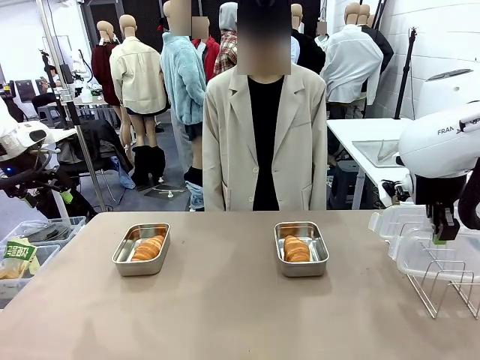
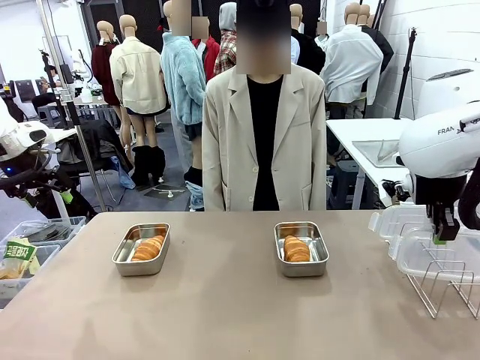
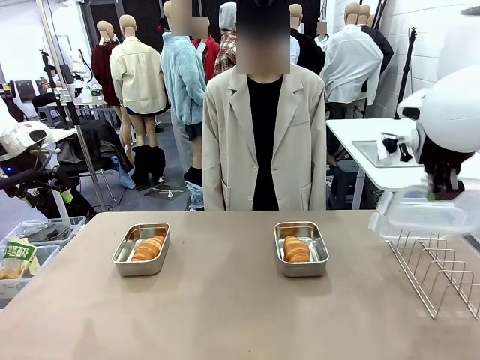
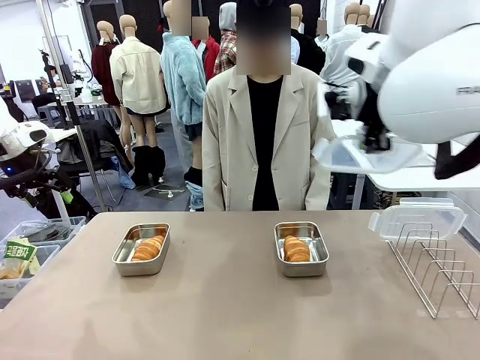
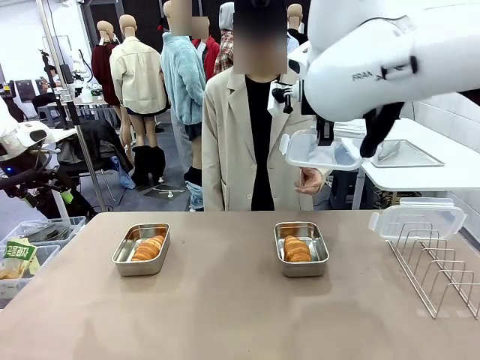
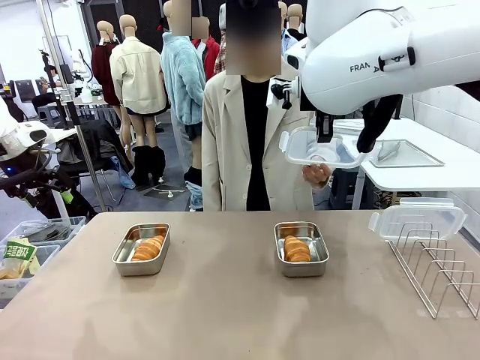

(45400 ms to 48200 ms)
Task: Place the bread in airtight containers.
Robot: Release when the human grabs the Airtight Container lid.

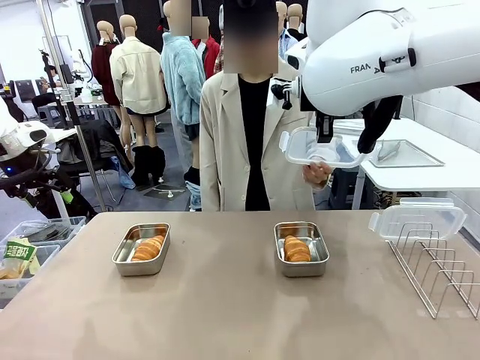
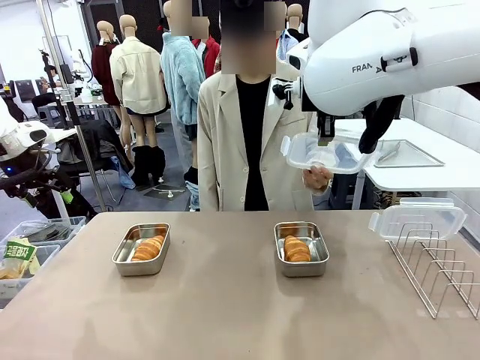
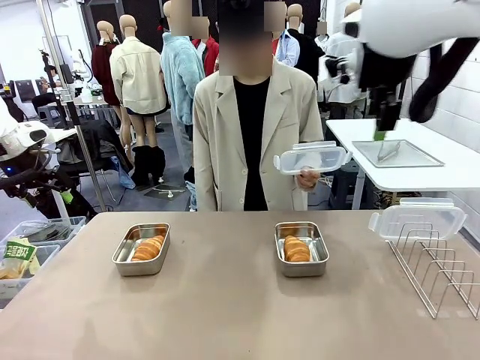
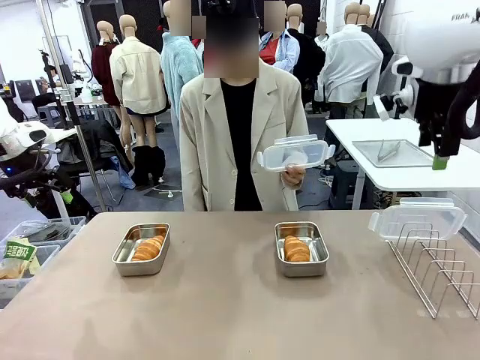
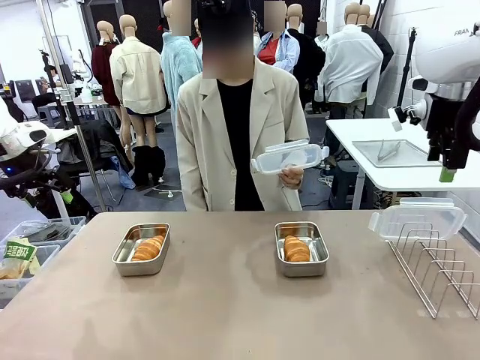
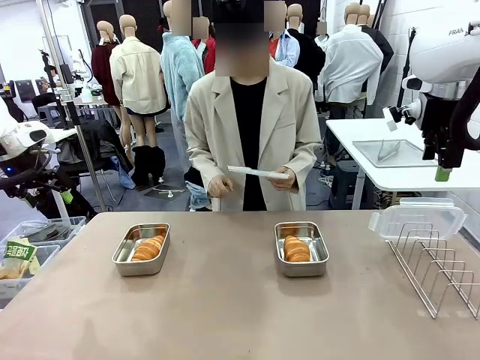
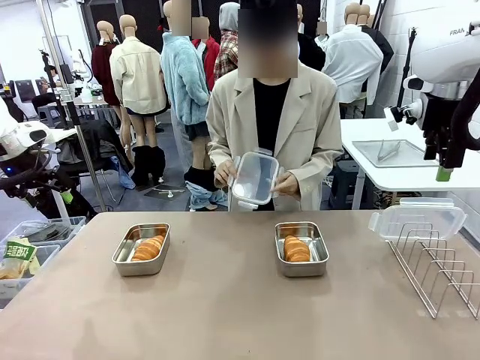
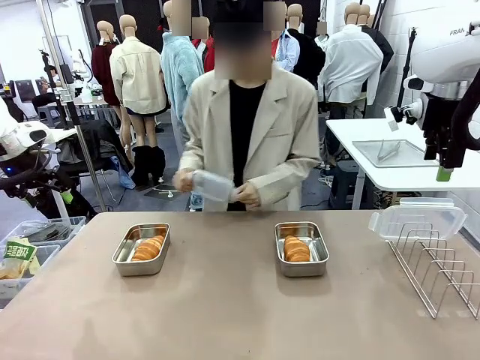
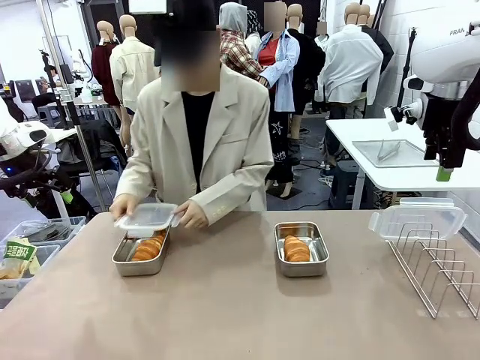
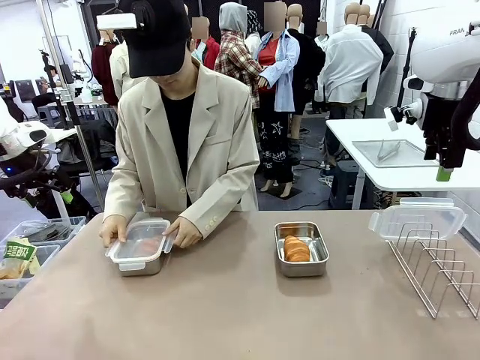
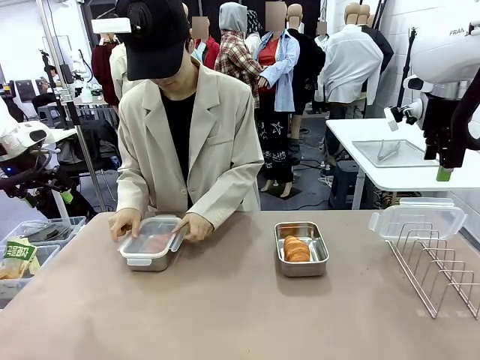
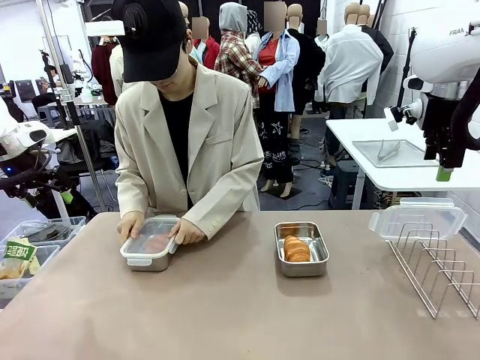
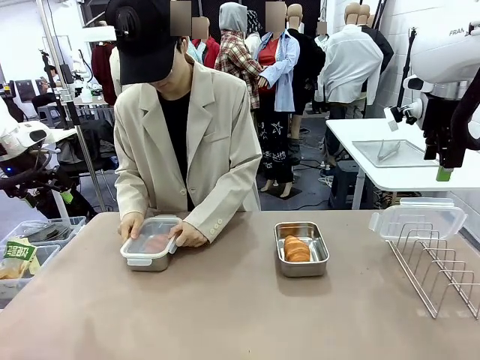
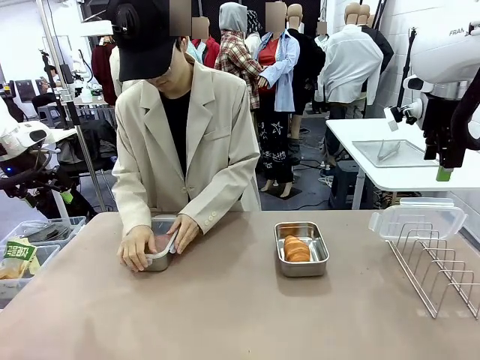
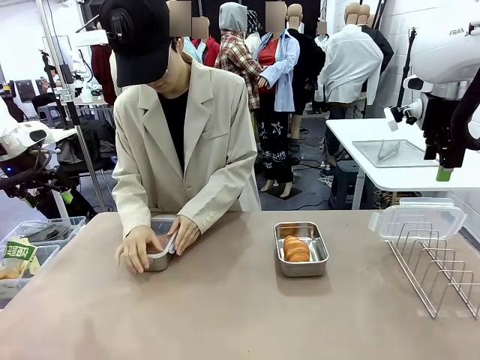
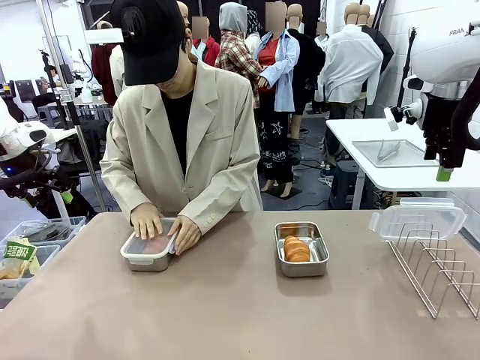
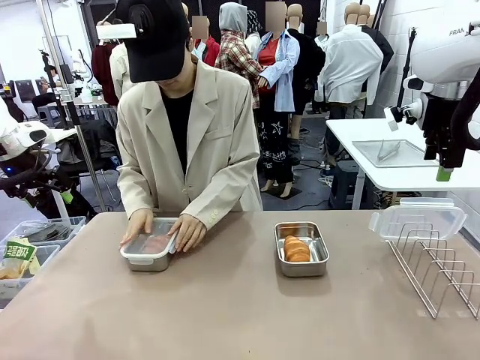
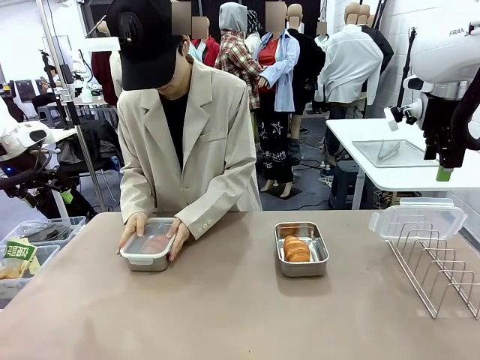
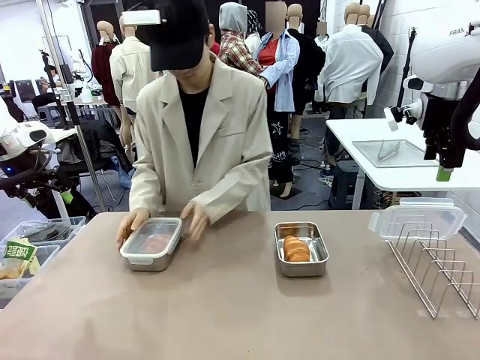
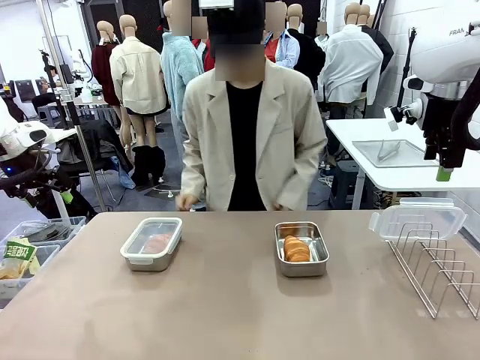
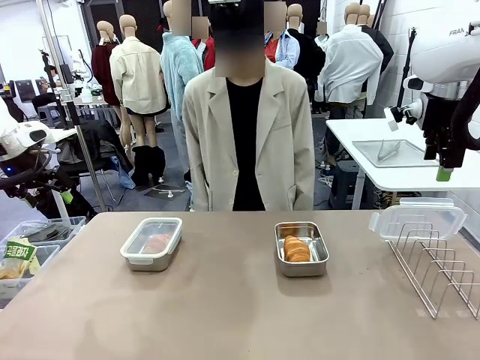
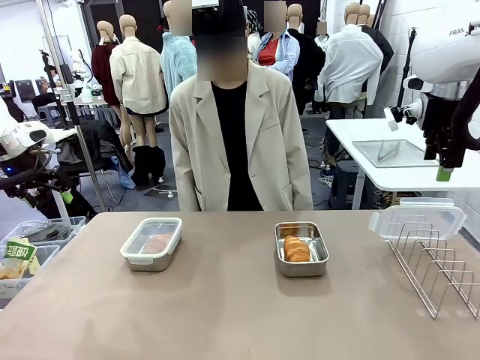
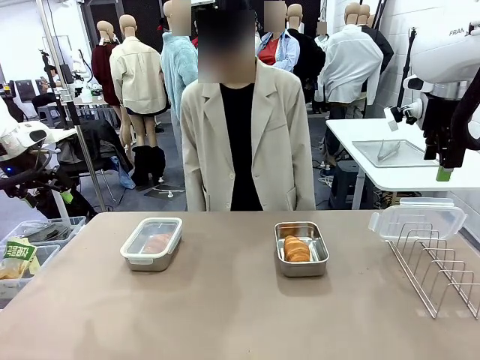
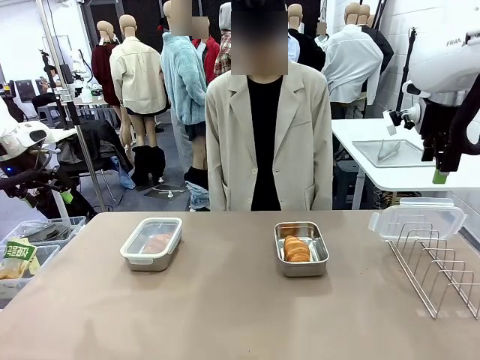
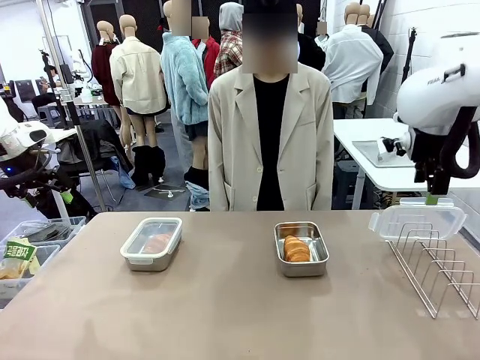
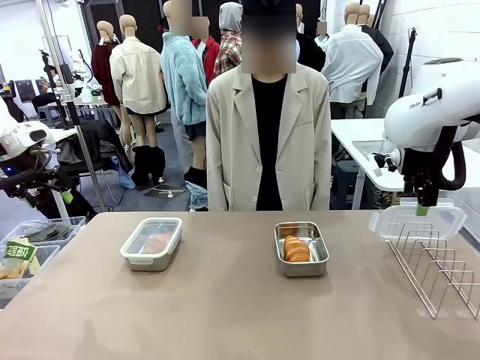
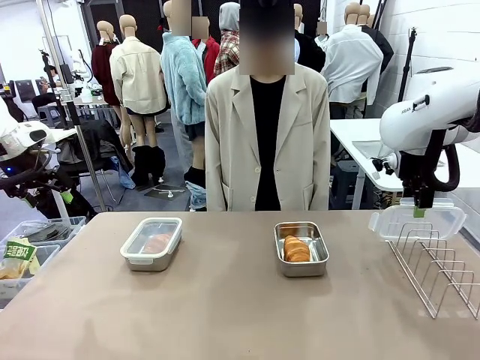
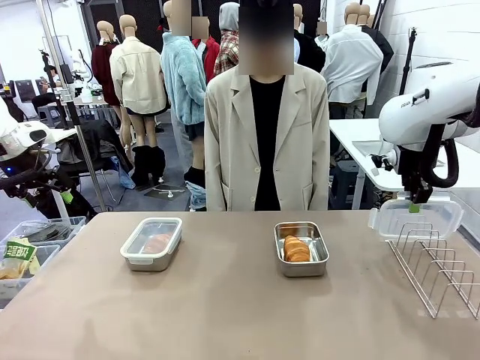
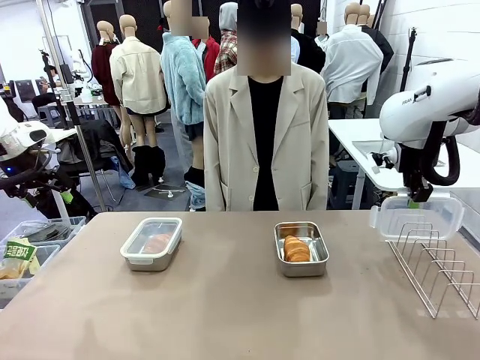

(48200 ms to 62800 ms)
Robot: Pick up one Airtight Container lid and hand it to the human.
Person: Close Airtight Container with a handed Airtight Container lid.

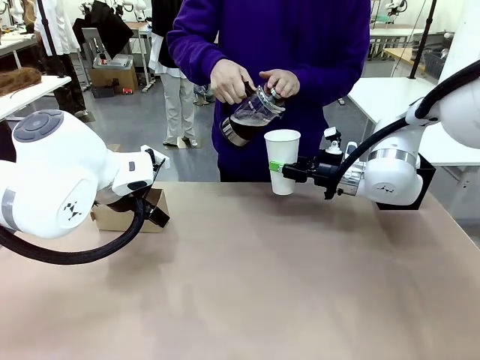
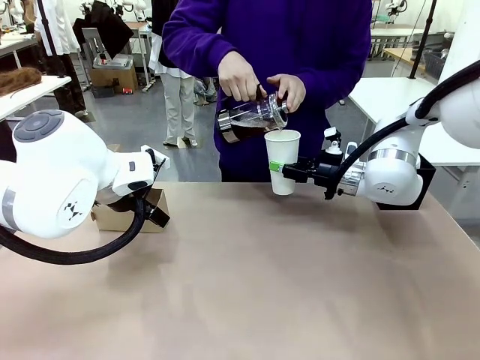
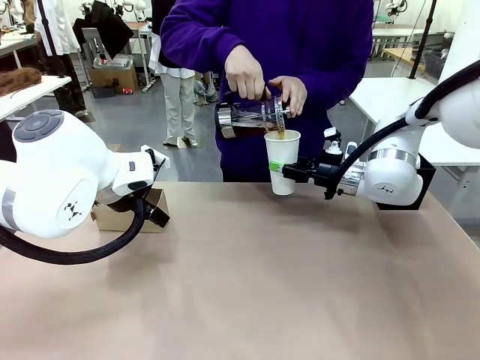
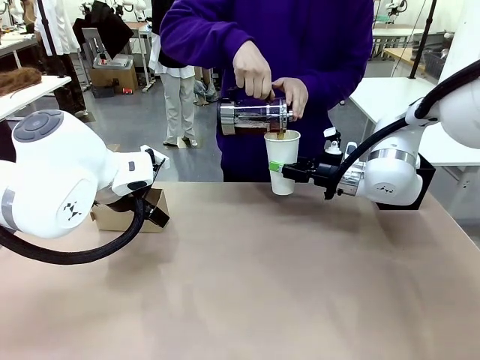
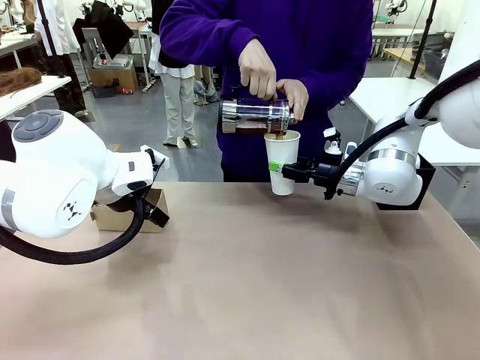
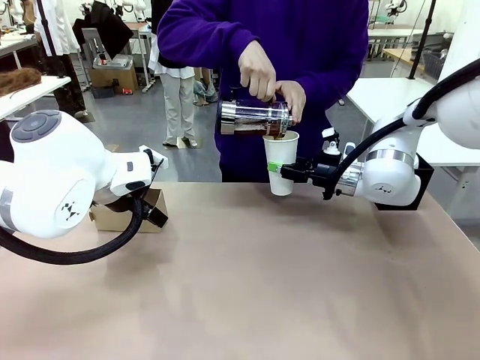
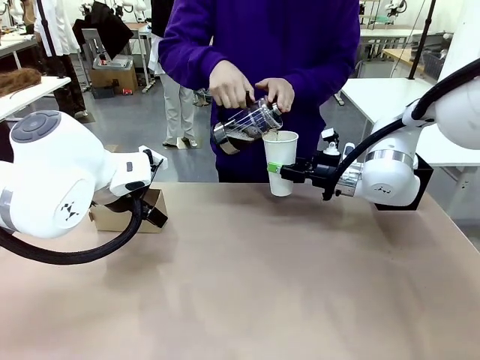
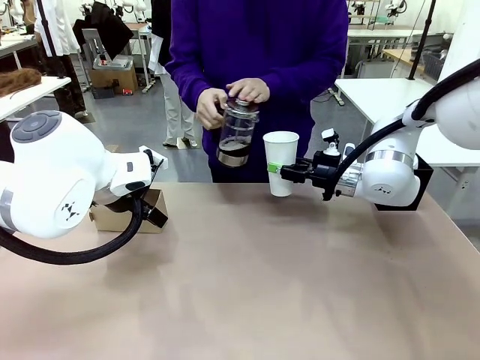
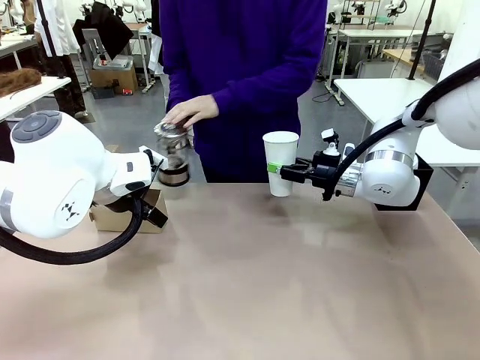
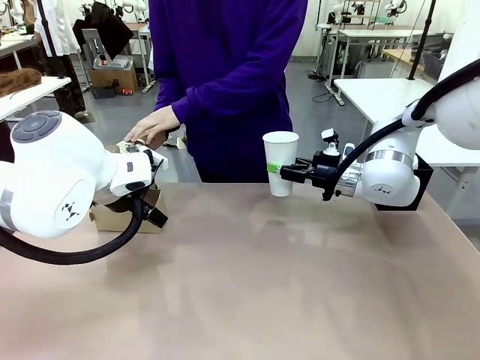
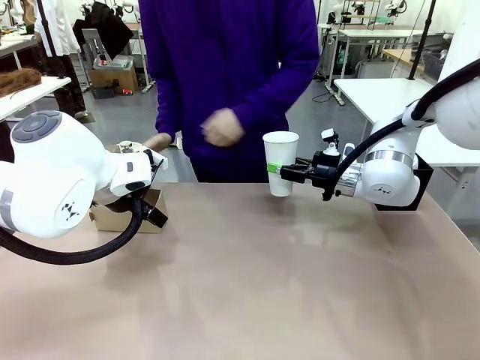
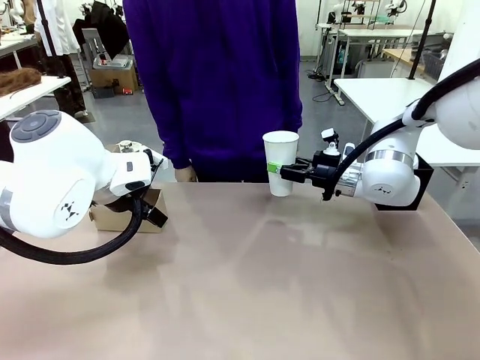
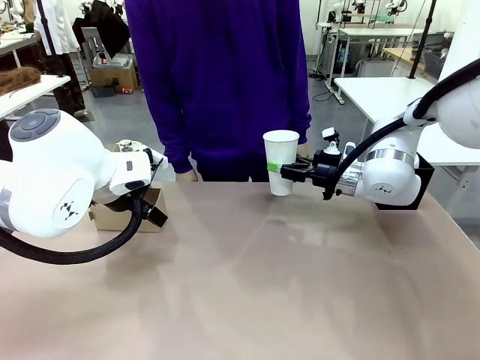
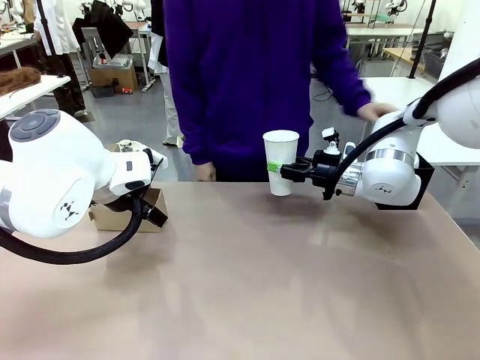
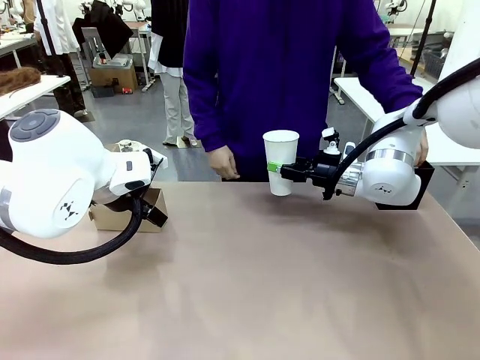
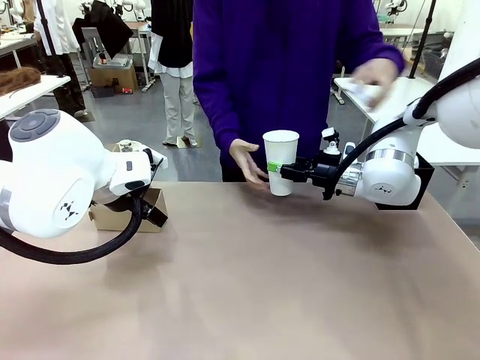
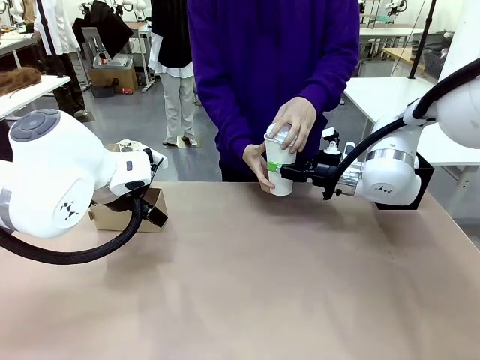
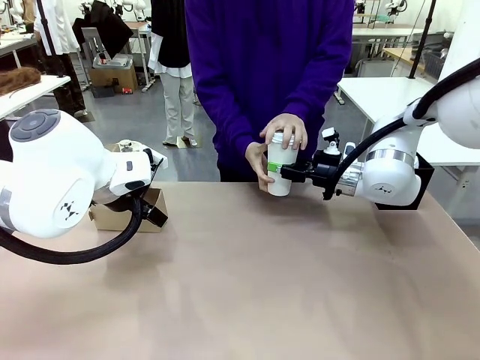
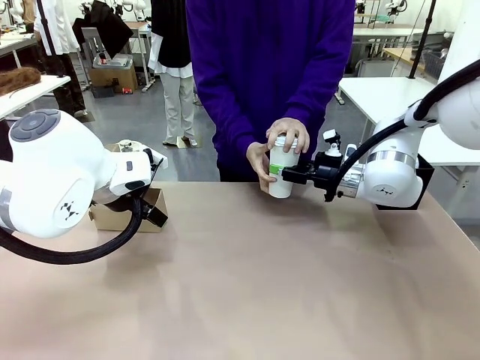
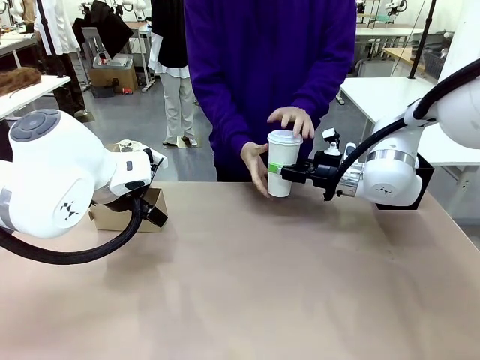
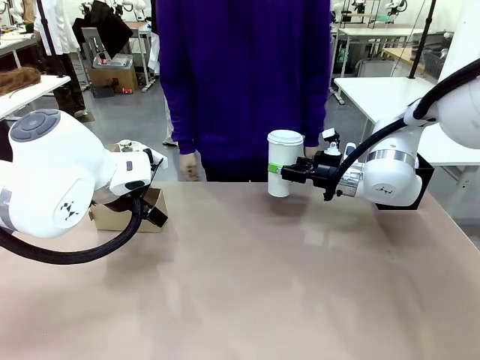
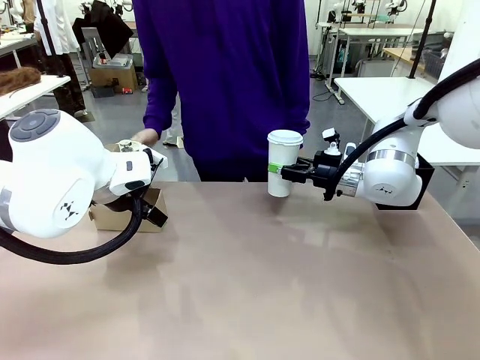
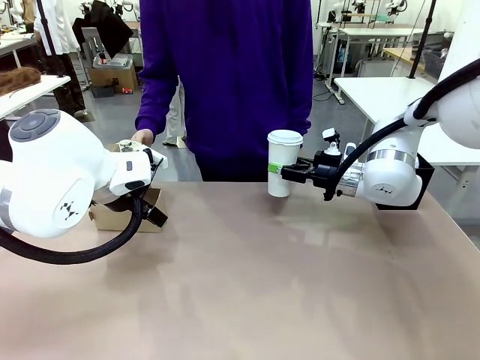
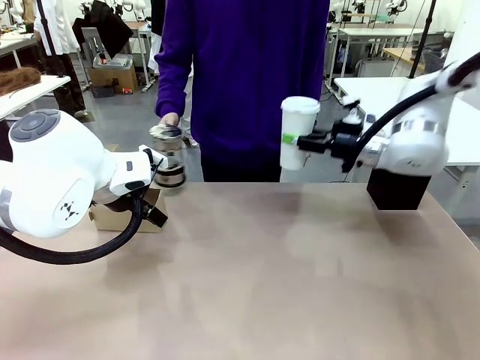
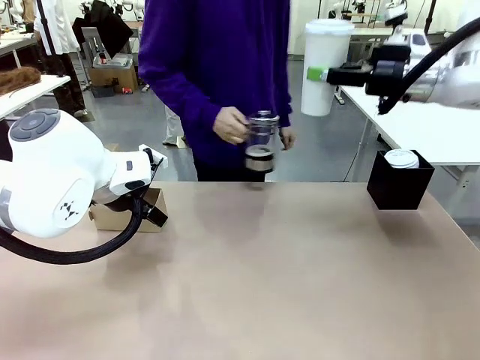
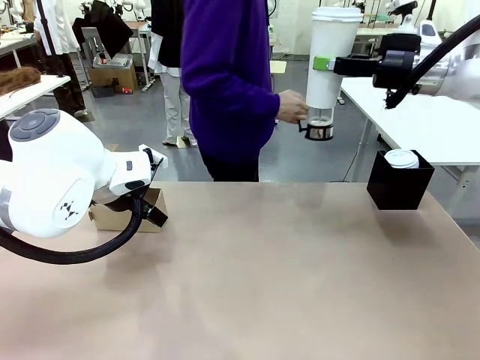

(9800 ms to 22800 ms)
Task: Pour a drink into a cup and package it in a carrier.
Robot: When a person places the Paper Cup Lid on the 600 ml Paper Cup , lift the 600 ml Paper Cup.
Person: Pour the drink from the Filter Brewing into the 600 ml Paper Cup. Place a Paper Cup Lid on the 600 ml Paper Cup.
